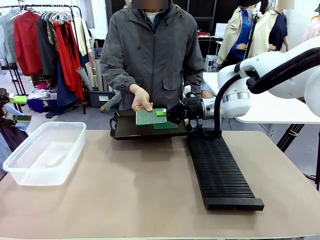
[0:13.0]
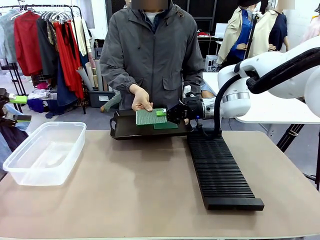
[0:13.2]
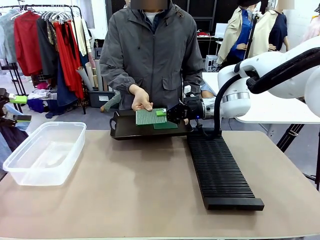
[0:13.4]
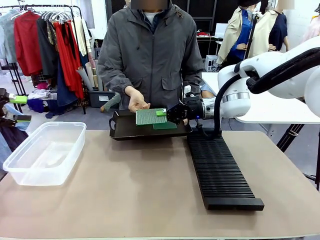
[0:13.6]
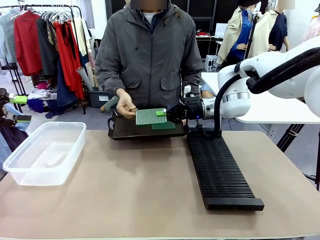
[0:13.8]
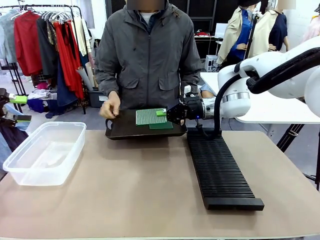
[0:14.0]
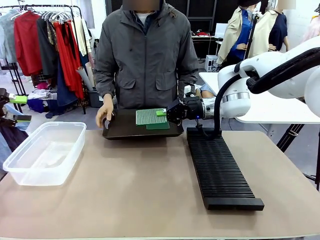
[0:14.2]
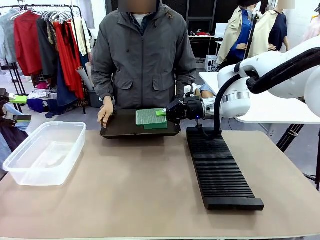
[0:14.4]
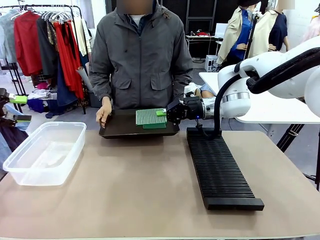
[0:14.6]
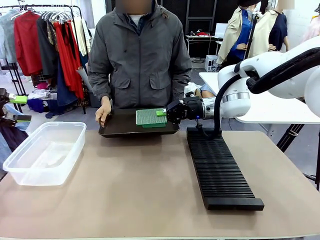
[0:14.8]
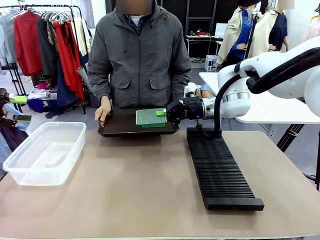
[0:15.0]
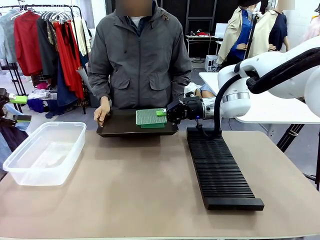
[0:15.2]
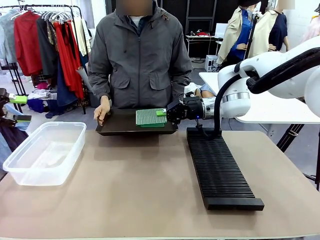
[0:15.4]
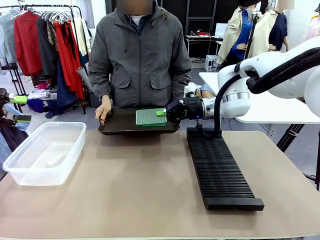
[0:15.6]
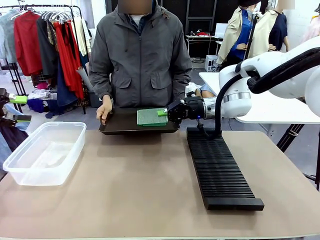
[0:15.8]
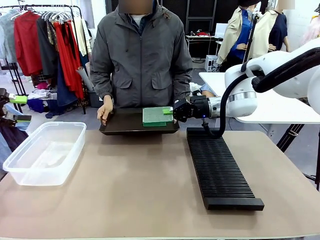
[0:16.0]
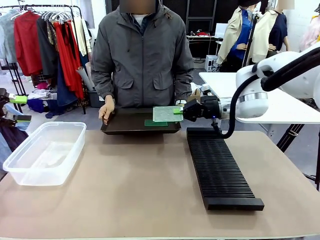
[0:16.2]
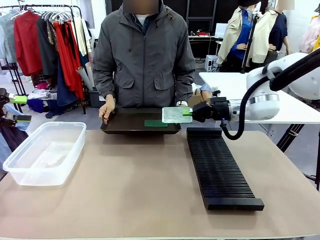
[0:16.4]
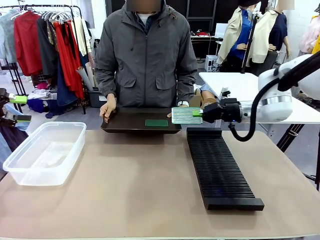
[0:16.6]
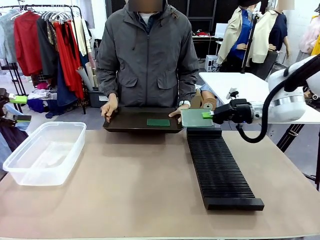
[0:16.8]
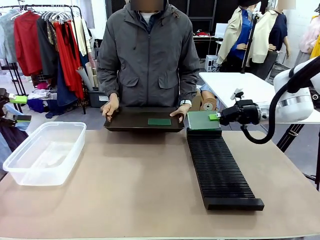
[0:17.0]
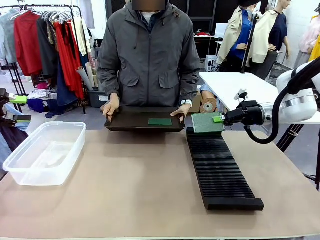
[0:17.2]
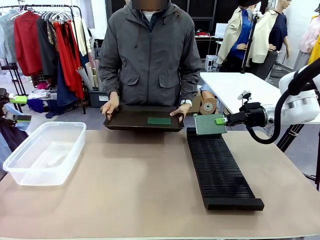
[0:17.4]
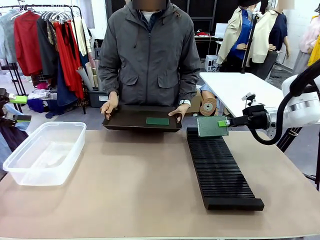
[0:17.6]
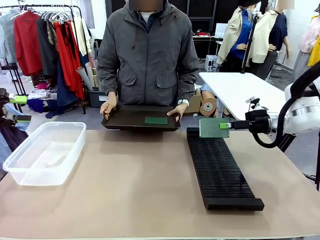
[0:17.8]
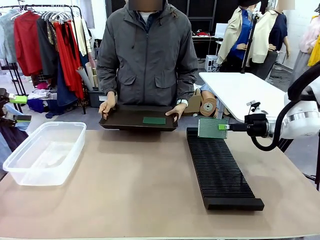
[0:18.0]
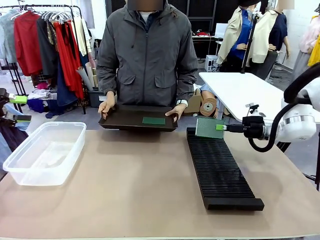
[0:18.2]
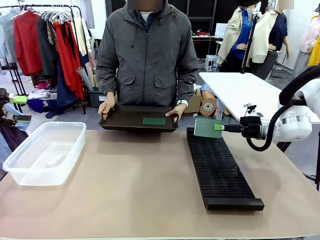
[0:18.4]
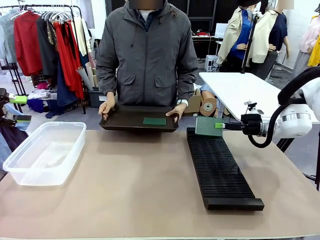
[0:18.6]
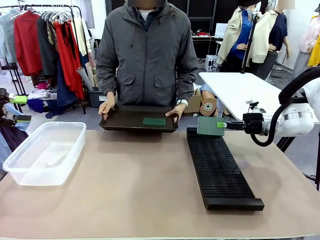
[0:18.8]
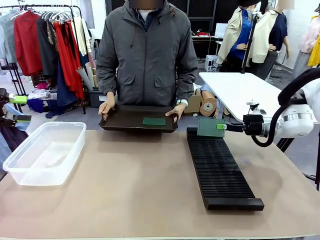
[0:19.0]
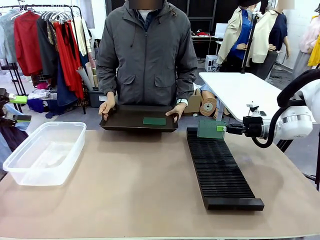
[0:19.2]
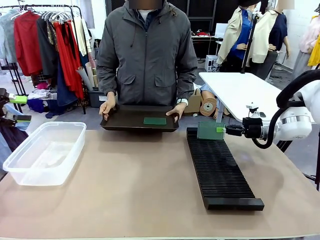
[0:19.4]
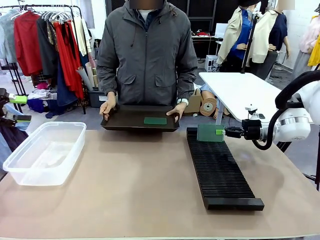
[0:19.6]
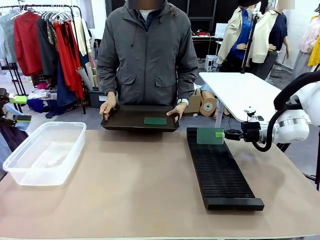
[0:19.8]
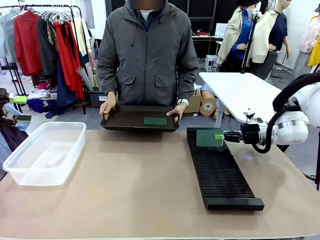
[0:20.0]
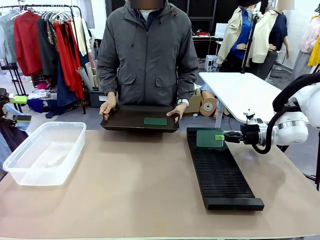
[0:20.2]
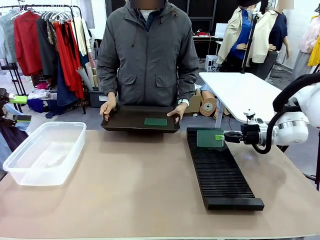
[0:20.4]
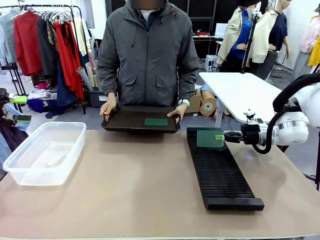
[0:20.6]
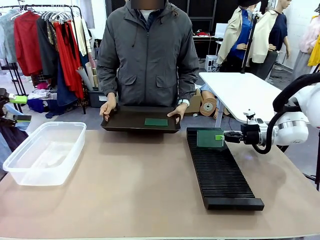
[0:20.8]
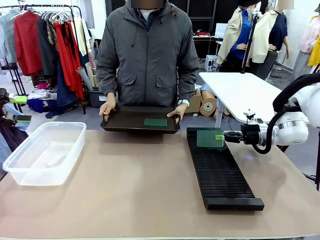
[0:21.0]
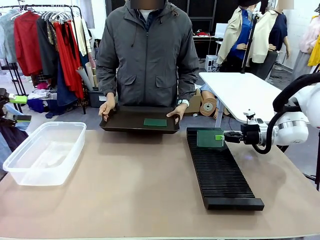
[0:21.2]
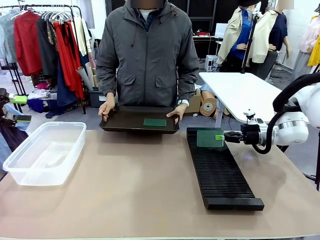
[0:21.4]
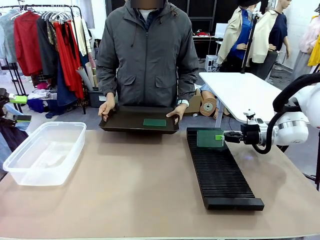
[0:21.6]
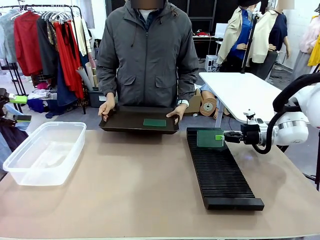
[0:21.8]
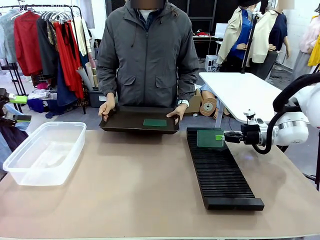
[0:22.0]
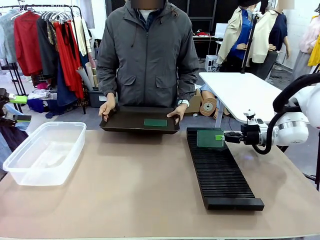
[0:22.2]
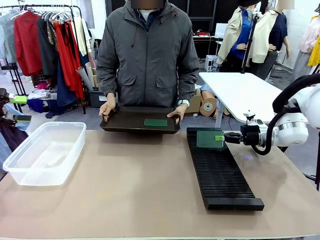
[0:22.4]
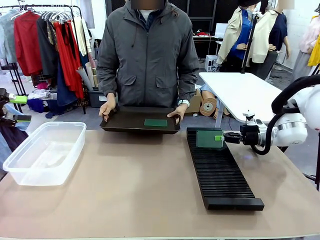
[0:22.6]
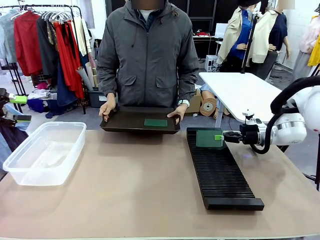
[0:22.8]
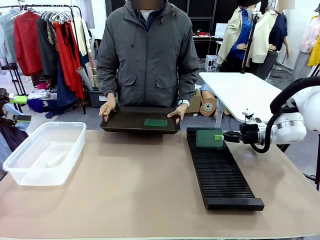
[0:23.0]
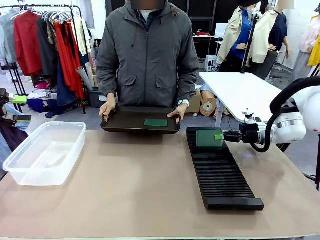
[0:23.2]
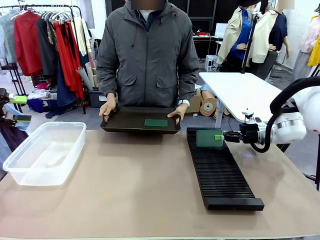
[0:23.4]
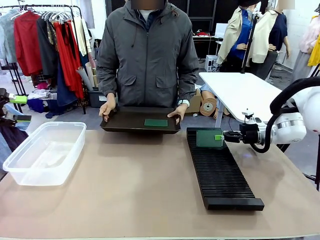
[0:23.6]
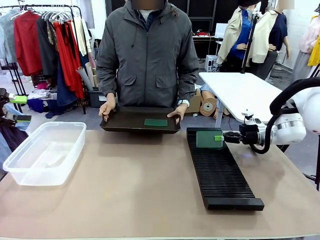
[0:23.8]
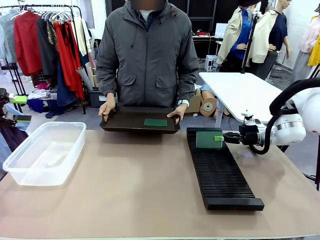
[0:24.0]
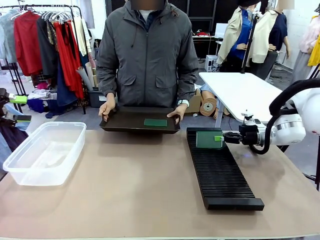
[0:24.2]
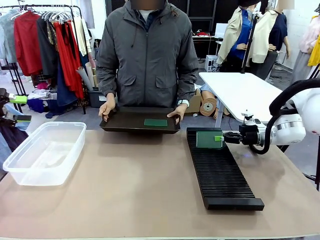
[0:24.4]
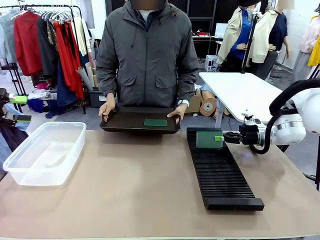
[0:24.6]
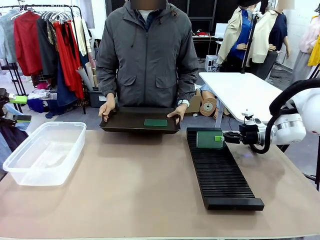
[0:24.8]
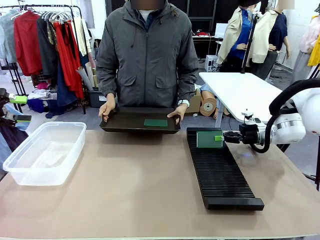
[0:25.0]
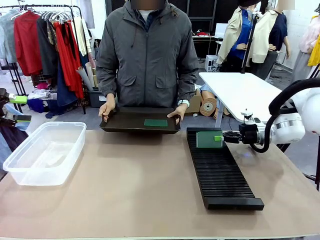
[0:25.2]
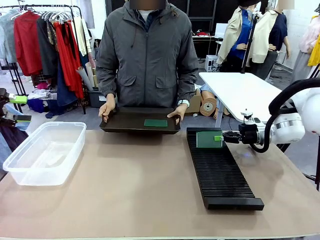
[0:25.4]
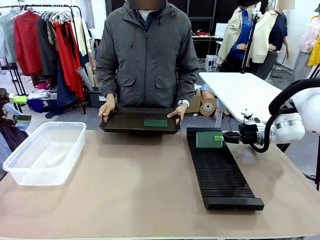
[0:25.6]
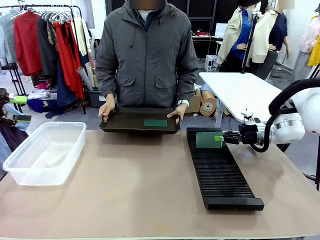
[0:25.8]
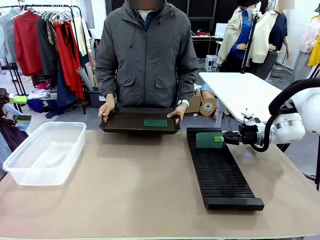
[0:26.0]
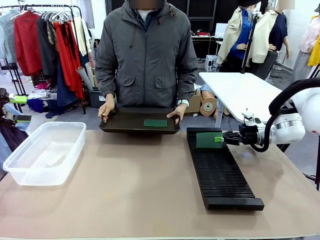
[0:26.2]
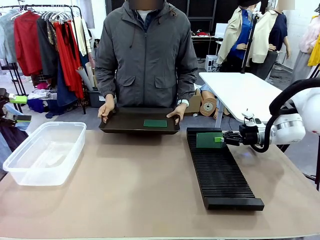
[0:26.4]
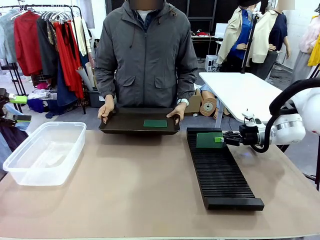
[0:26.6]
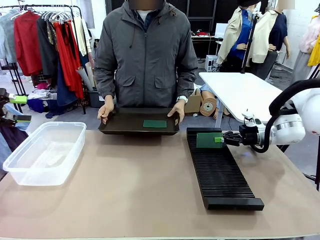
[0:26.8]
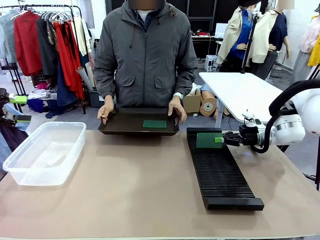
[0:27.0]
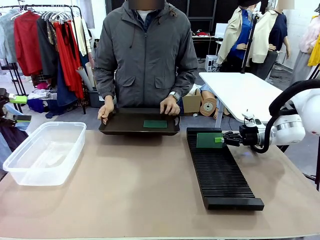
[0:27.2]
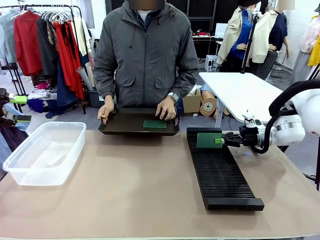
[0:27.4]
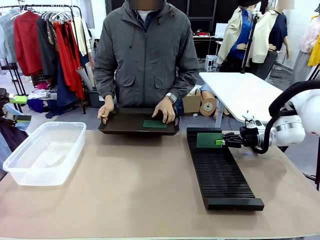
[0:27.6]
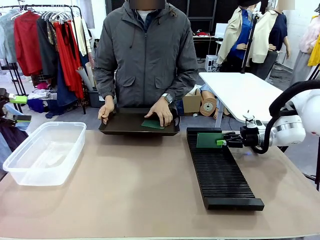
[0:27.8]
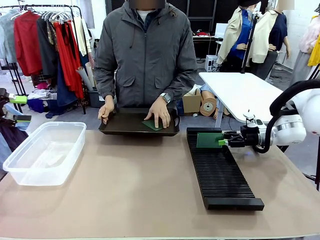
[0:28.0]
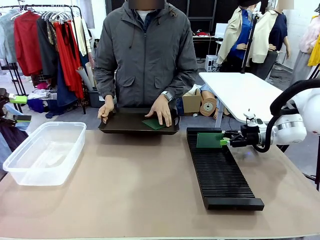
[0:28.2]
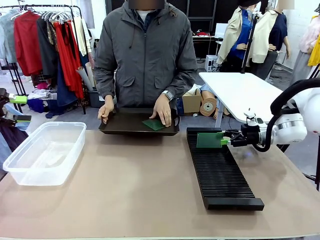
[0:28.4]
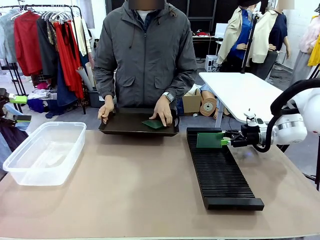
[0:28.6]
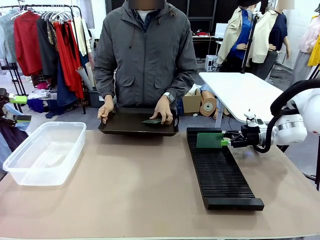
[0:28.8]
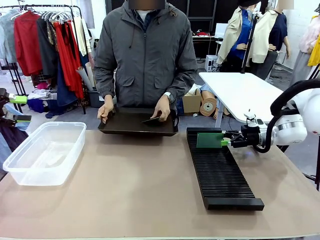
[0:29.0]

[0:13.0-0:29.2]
Task: Sort PCBs into racks and boxes based on the side picked up.
Robot: If the short side of the Blank PCB is picked up, insert it into the PCB Rack ; if the long side is picked up, place it in the Organizing box.
Person: Pick one PCB from the tray and present it to the robot.

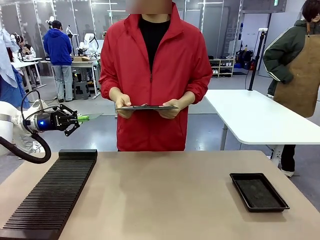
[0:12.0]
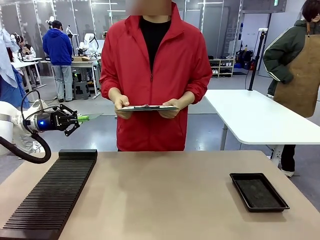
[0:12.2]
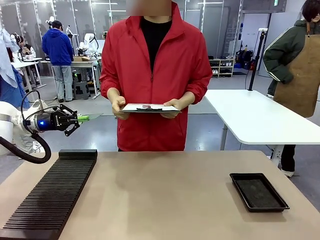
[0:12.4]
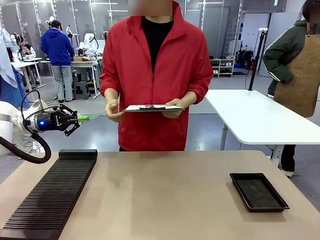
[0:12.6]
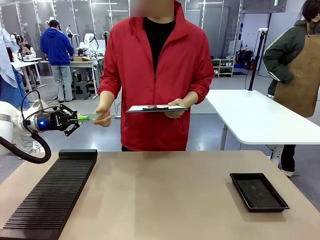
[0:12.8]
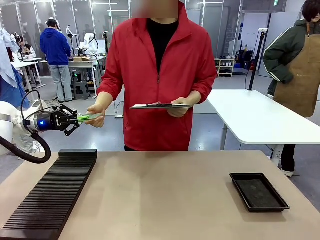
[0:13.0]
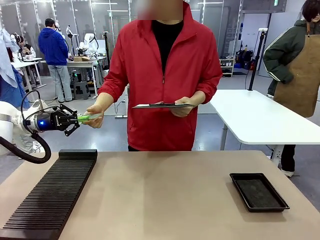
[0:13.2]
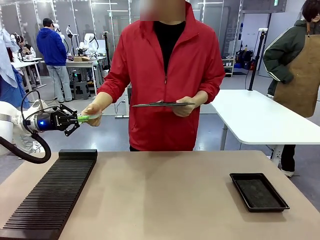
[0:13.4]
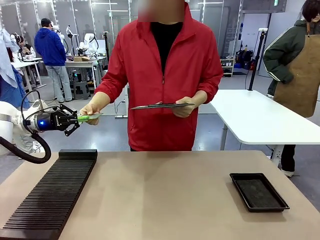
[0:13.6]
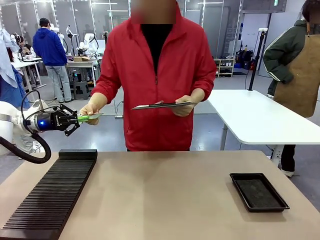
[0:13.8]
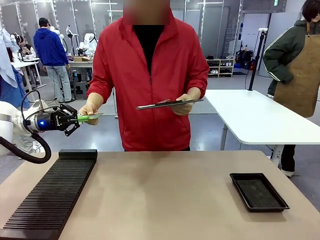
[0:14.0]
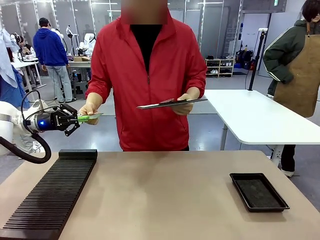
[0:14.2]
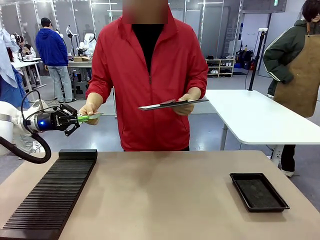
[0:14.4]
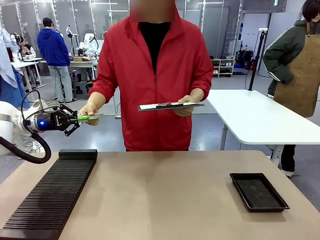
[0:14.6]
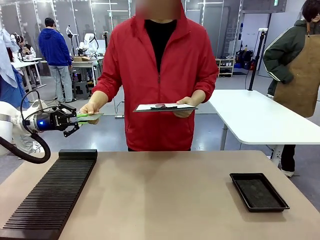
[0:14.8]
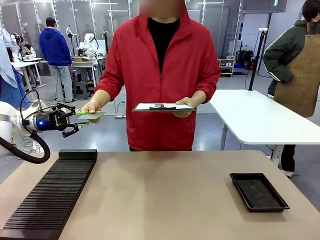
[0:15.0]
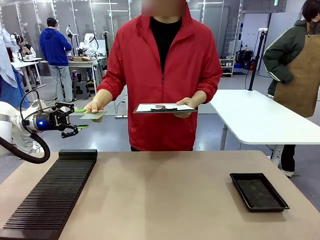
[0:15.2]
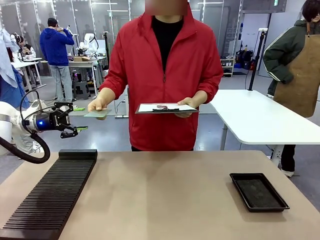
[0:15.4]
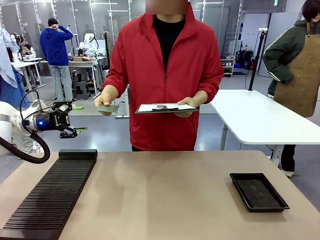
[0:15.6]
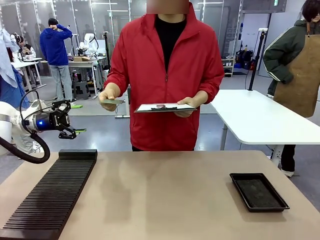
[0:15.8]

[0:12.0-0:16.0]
Task: Inspect the PCB.
Robot: Release the Blank PCB you were holding.
